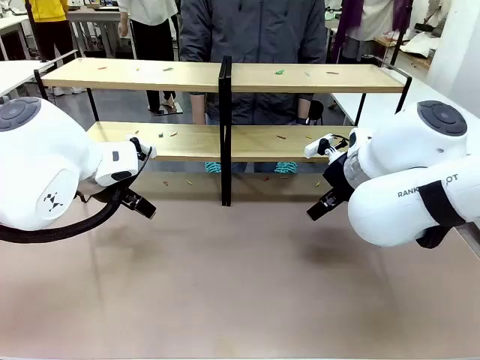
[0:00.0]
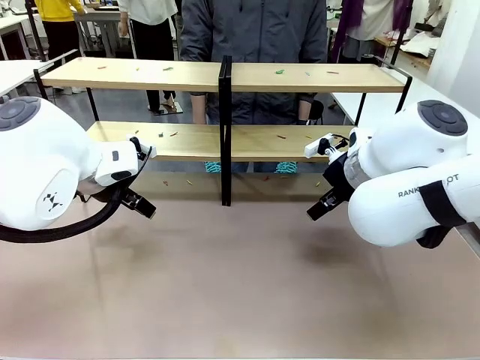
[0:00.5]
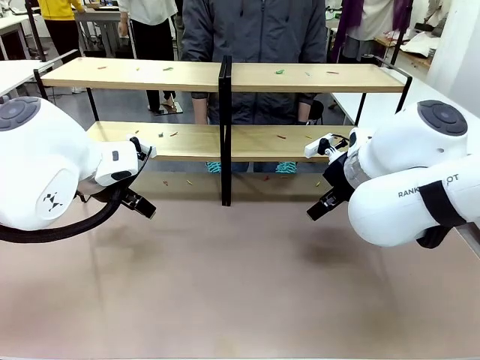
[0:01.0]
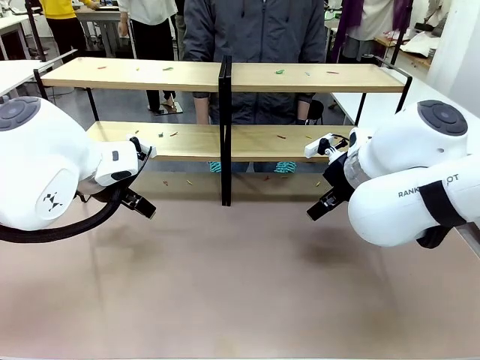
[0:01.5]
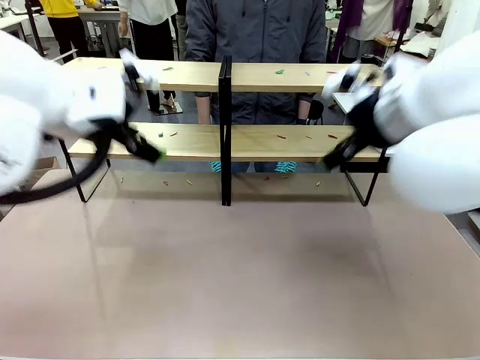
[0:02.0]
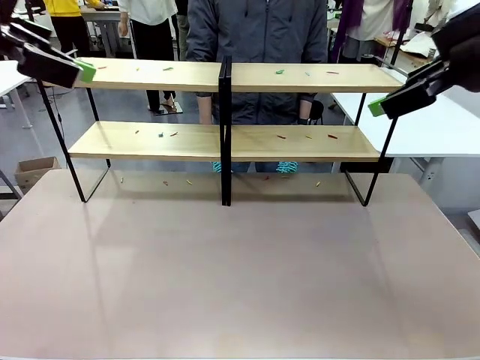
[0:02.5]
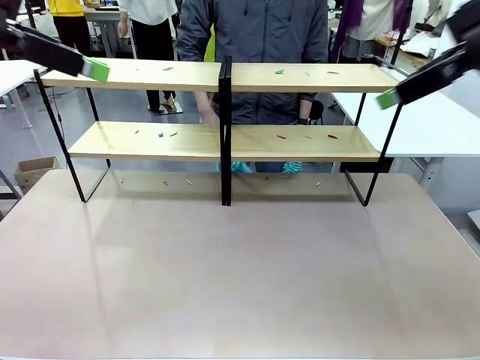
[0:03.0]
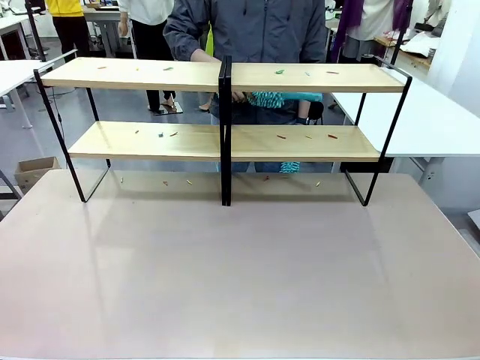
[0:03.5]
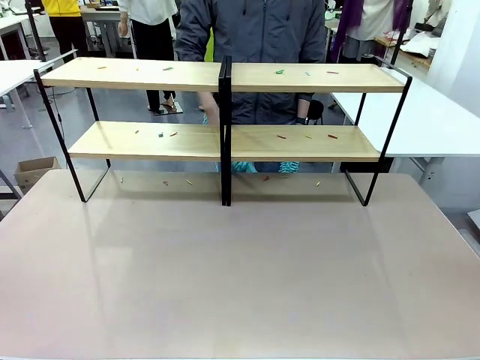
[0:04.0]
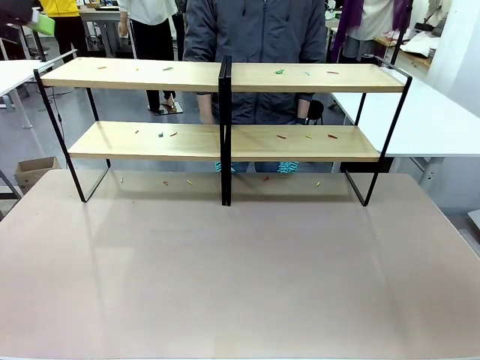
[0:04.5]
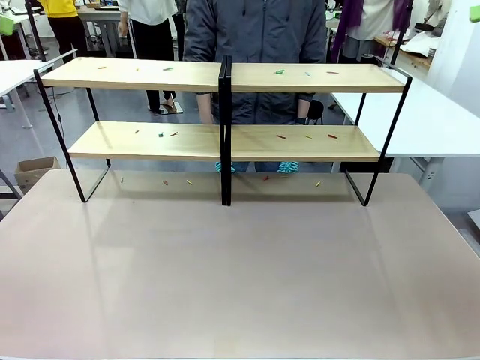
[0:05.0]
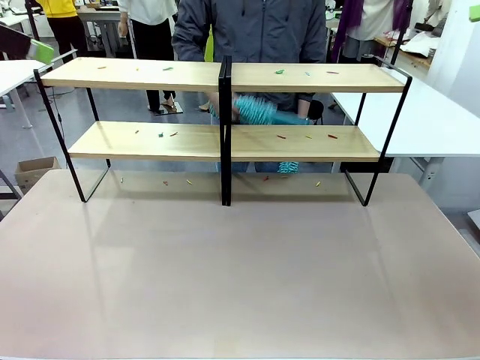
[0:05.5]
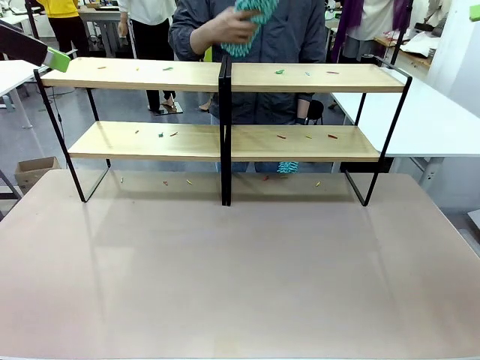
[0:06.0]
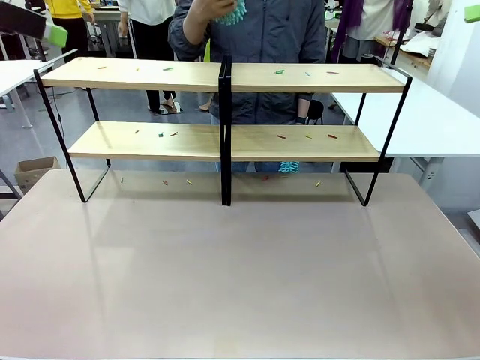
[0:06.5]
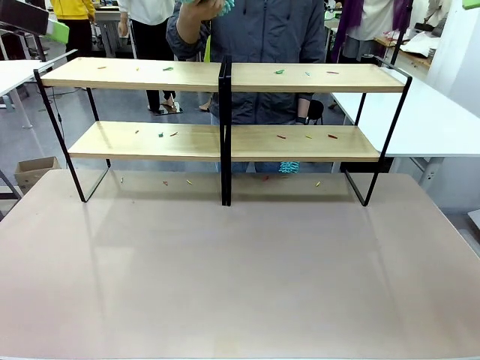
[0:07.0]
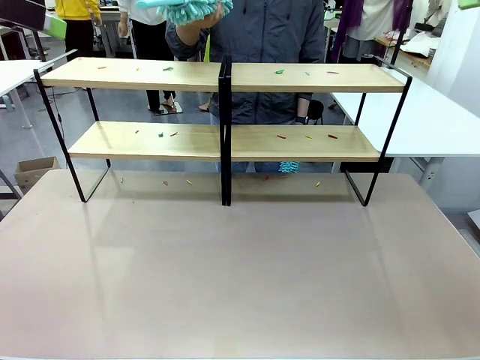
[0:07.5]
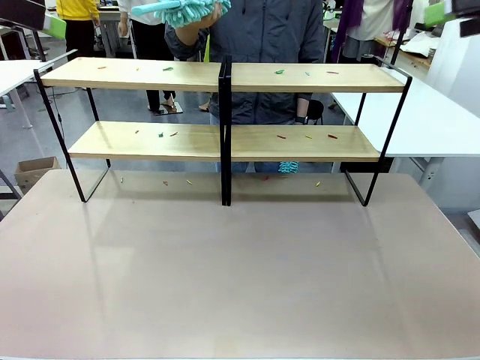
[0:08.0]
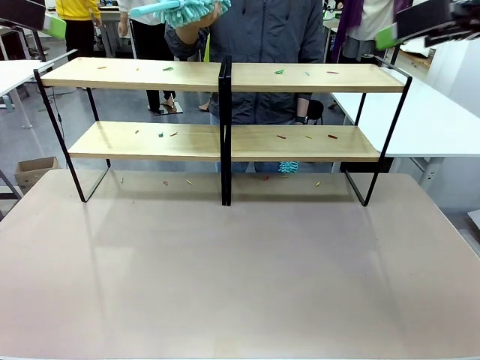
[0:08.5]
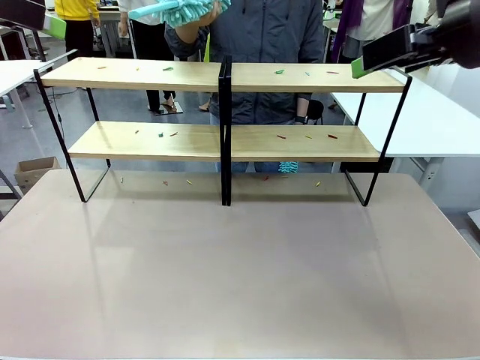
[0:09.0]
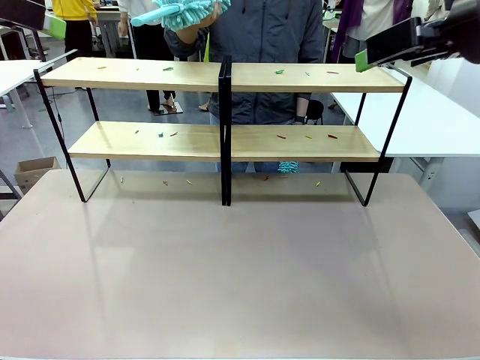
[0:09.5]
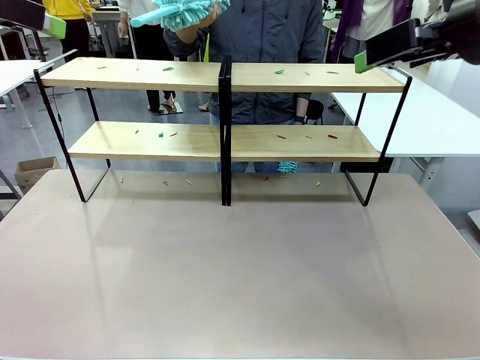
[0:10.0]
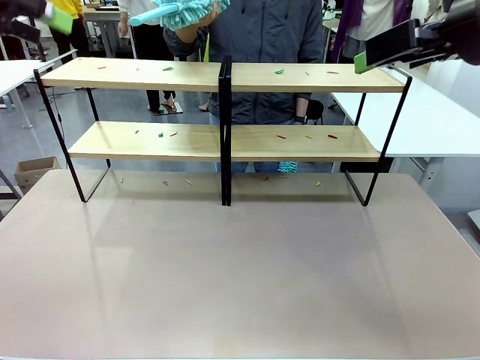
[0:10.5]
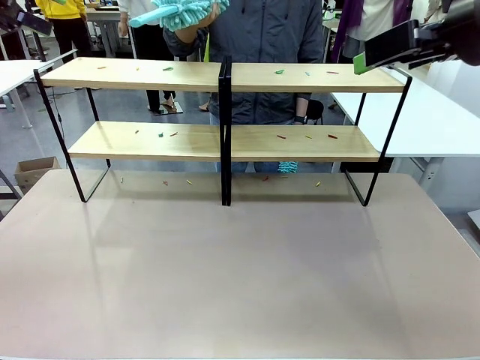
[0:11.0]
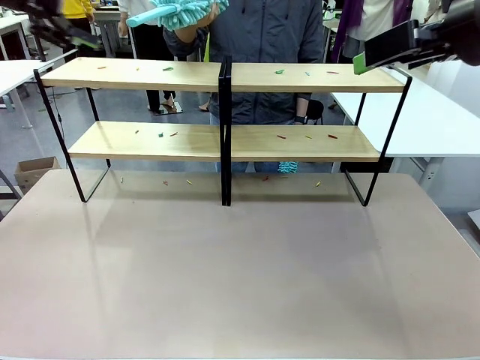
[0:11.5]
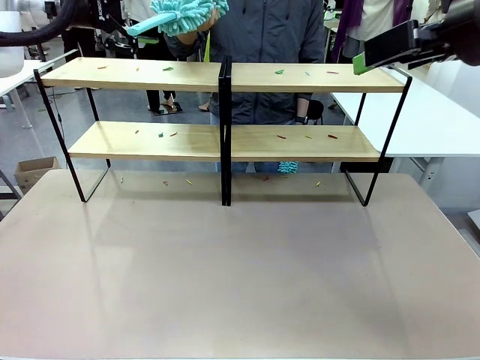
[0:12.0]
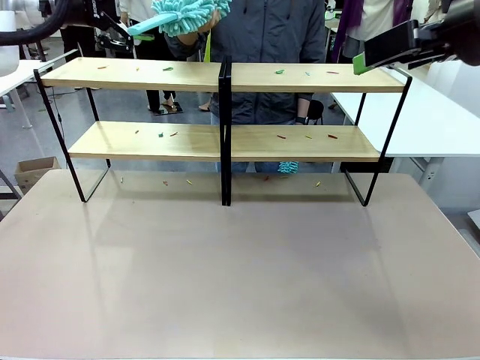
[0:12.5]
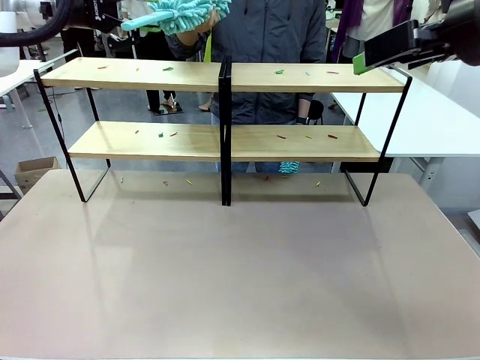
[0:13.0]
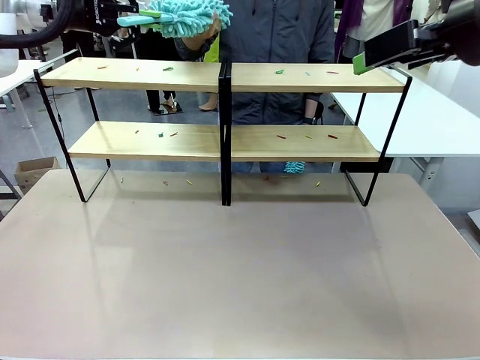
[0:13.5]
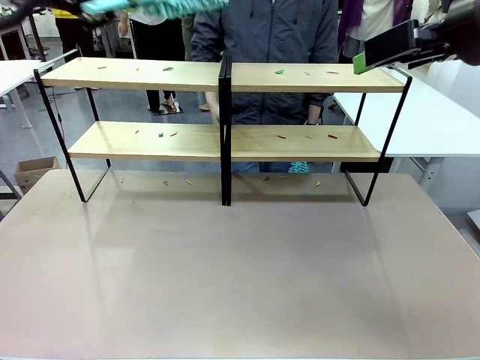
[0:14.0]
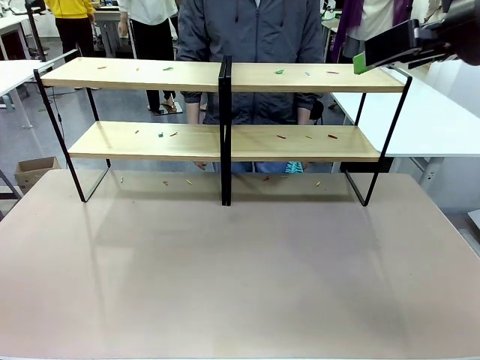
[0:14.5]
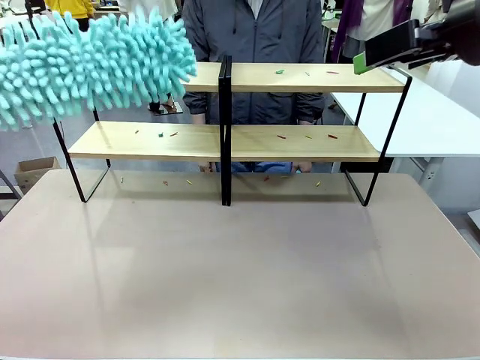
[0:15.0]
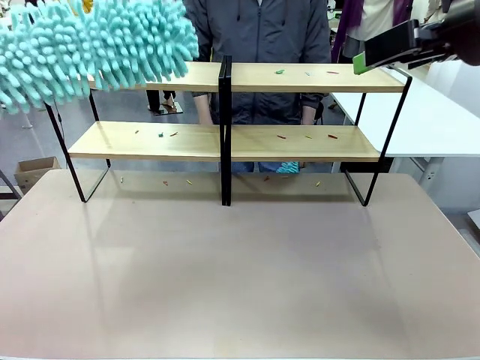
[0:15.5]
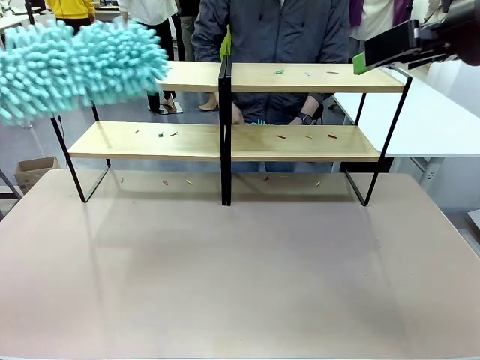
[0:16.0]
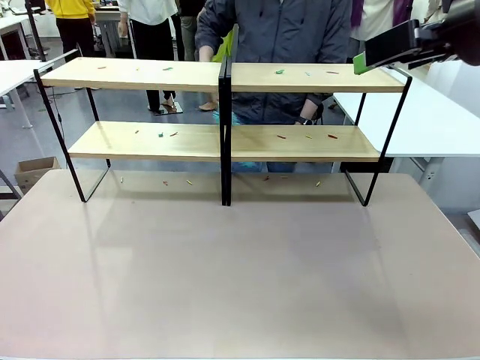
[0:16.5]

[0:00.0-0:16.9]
Task: Clean the shelves.
Robot: Pick up the Duster when the human hands it over.
Person: Hand the Duster to the robot with your right (or left) hand.

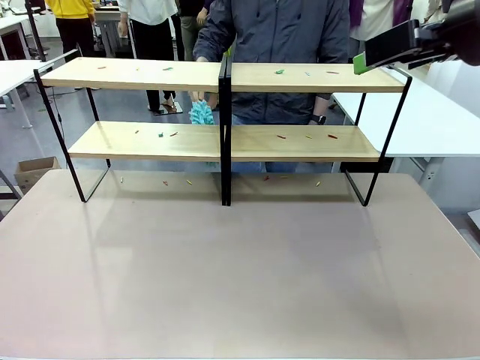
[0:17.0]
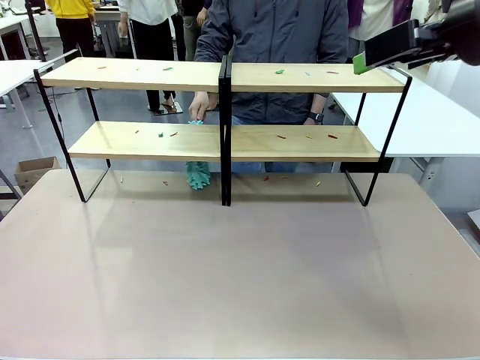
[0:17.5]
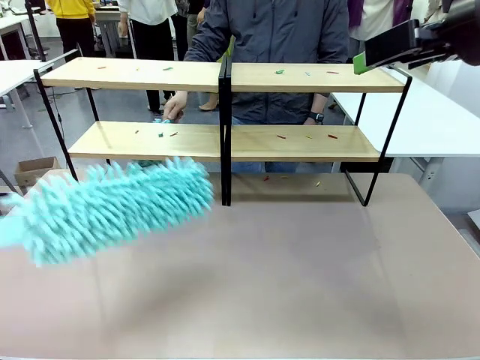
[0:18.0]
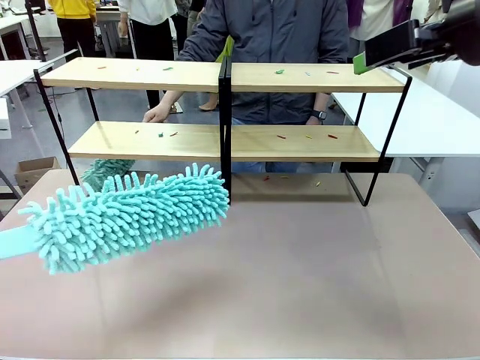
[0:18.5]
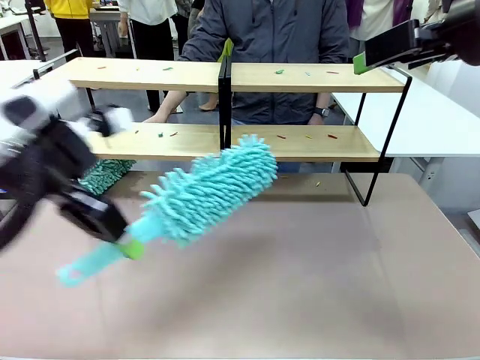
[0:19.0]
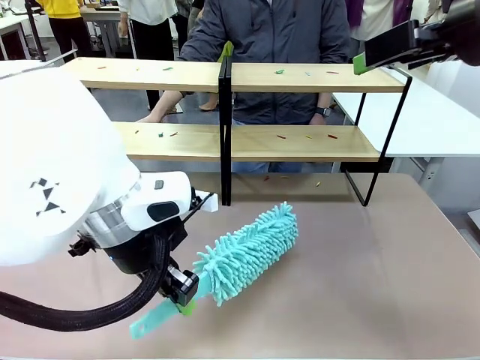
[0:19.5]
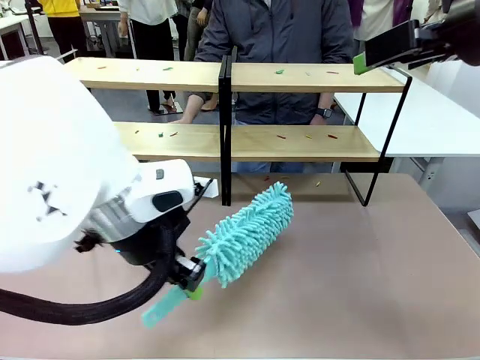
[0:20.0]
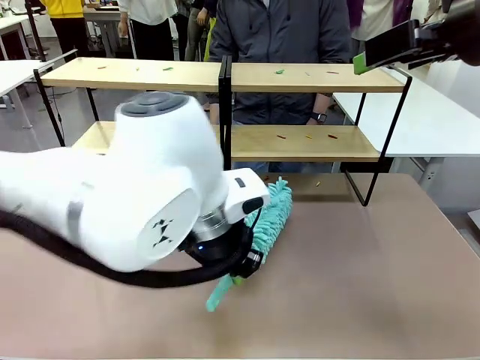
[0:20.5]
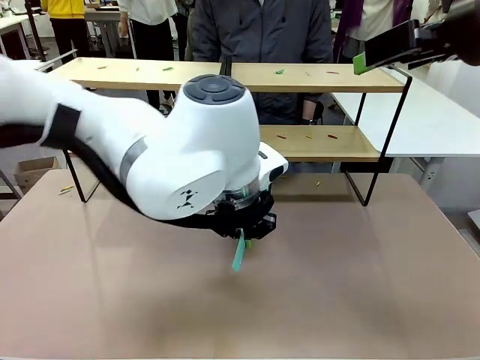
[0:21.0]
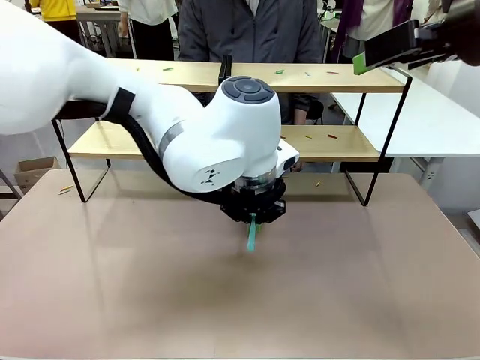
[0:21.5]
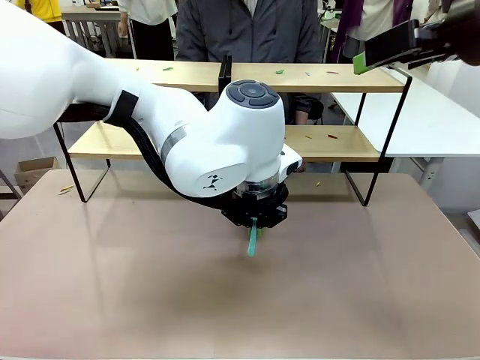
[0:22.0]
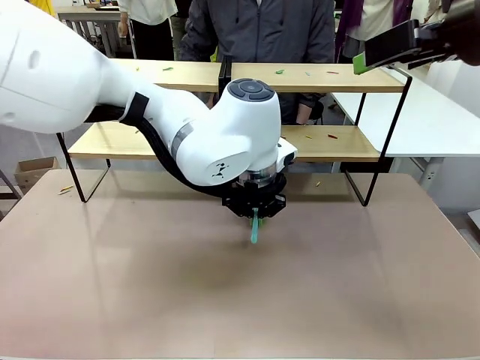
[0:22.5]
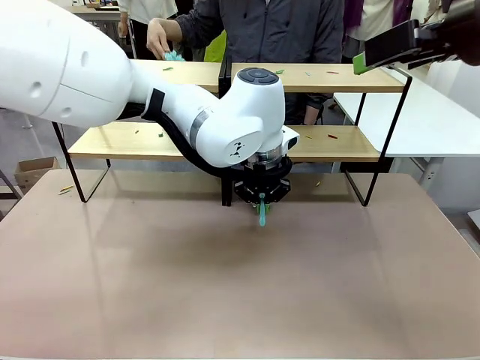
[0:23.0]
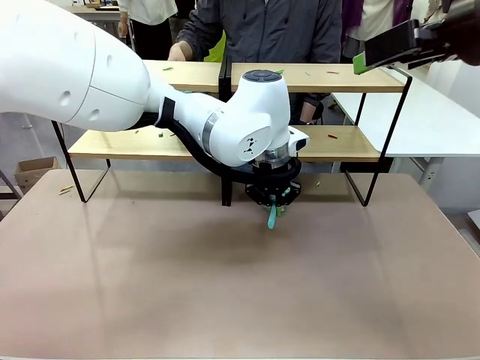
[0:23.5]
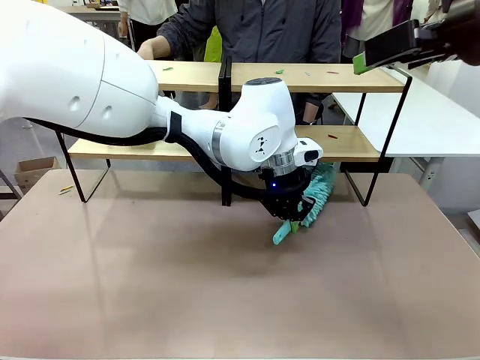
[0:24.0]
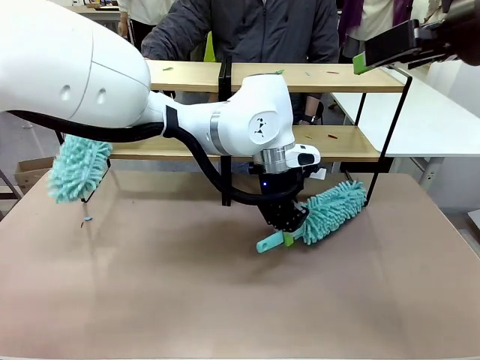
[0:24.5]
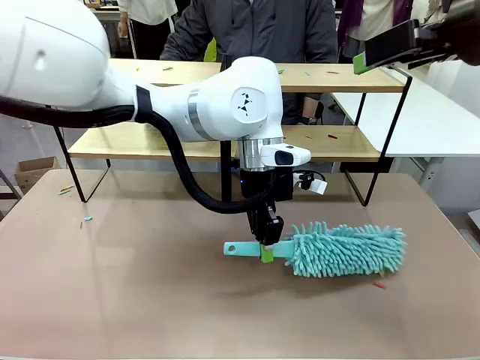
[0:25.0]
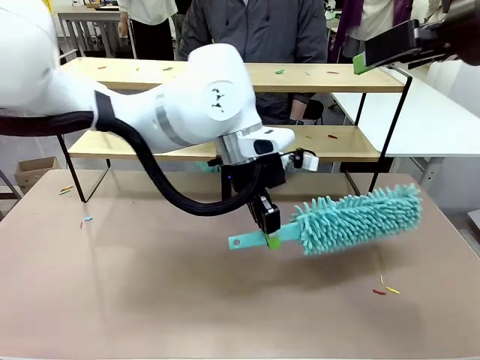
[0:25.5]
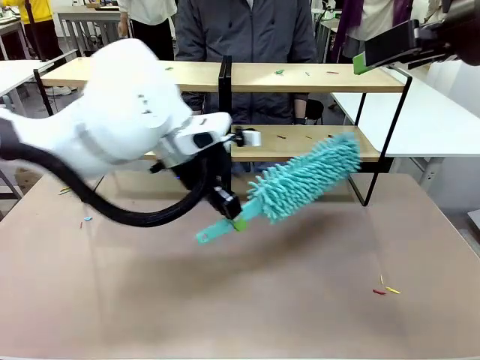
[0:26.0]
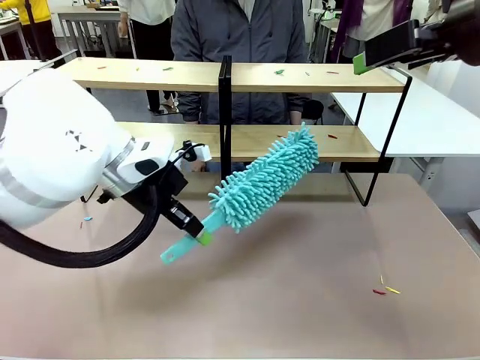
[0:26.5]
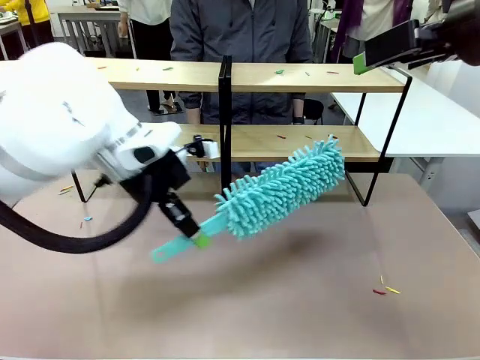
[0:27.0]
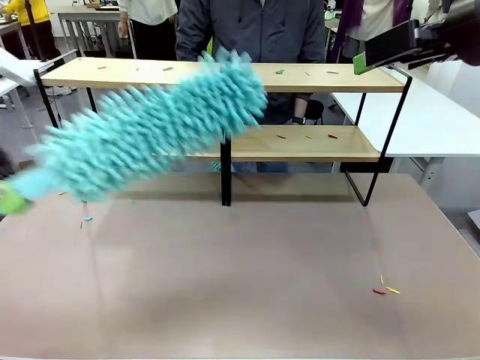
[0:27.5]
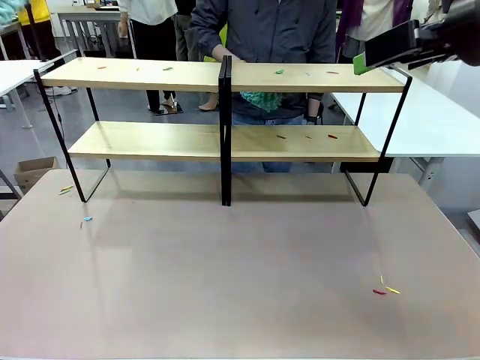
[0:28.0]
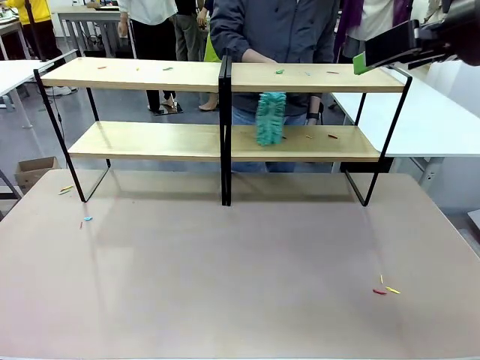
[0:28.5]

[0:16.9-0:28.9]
Robot: Clean a randomly selected level of the Shelf with the Duster.
